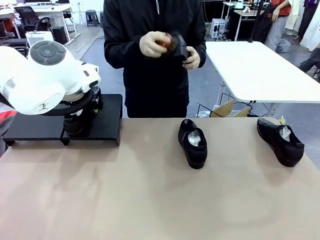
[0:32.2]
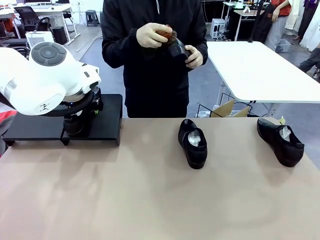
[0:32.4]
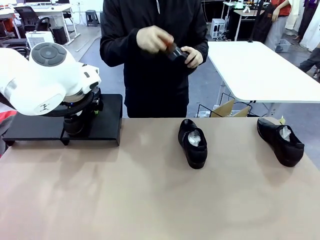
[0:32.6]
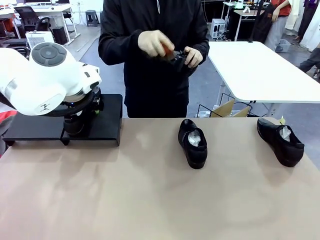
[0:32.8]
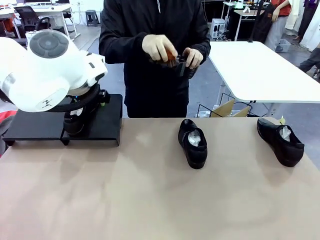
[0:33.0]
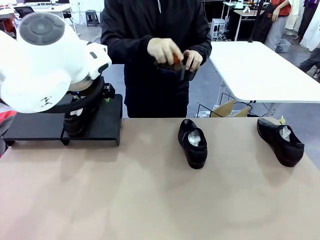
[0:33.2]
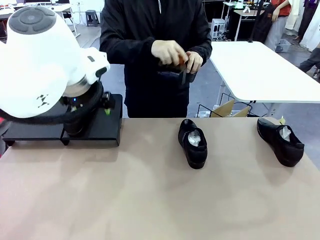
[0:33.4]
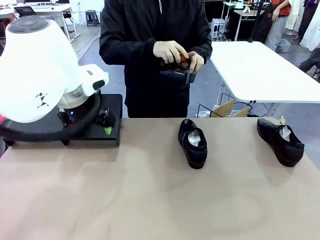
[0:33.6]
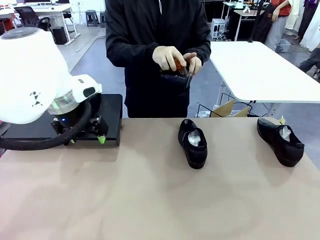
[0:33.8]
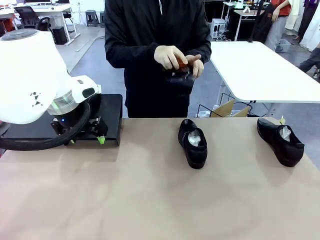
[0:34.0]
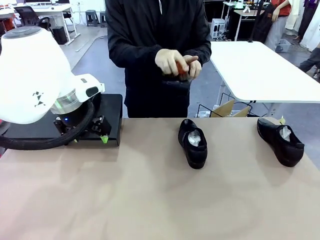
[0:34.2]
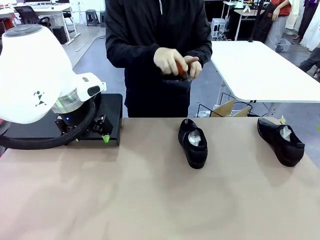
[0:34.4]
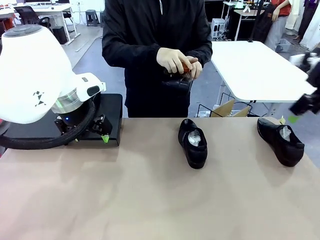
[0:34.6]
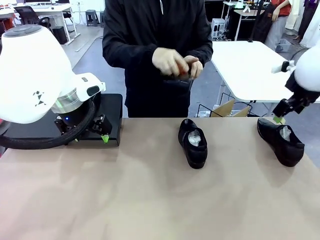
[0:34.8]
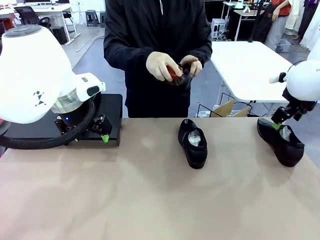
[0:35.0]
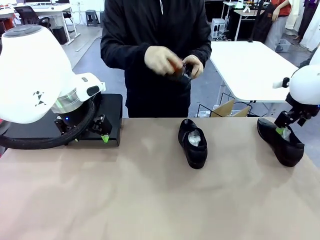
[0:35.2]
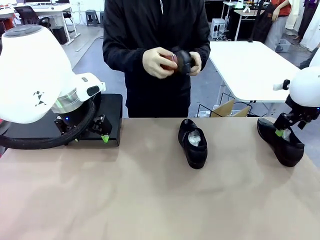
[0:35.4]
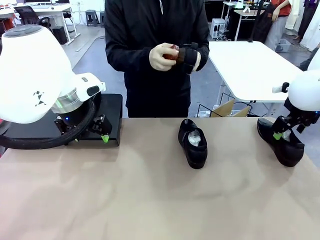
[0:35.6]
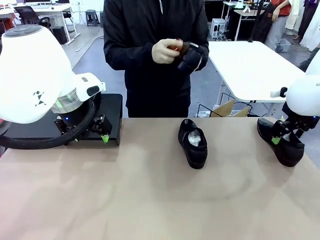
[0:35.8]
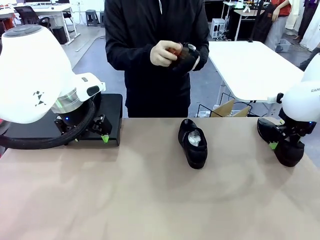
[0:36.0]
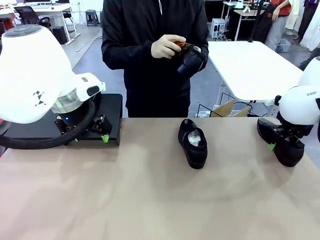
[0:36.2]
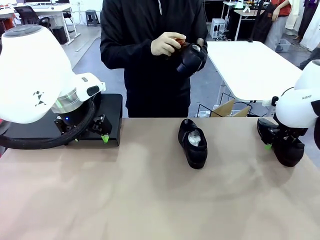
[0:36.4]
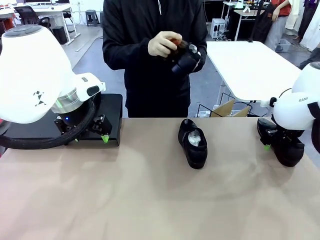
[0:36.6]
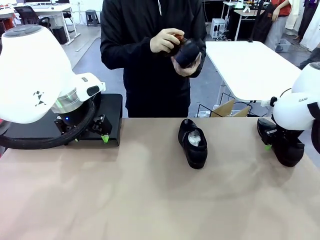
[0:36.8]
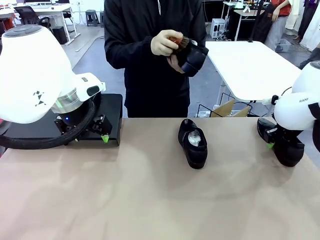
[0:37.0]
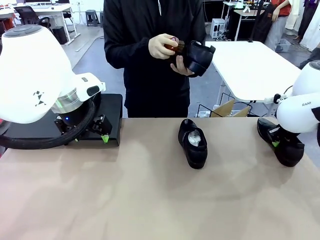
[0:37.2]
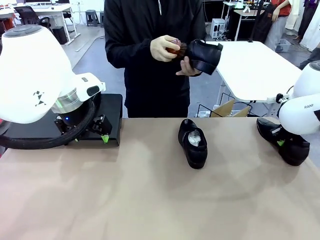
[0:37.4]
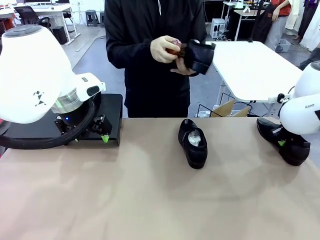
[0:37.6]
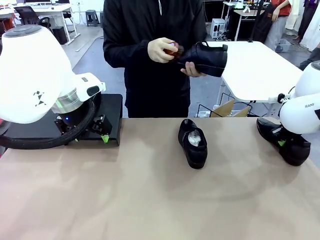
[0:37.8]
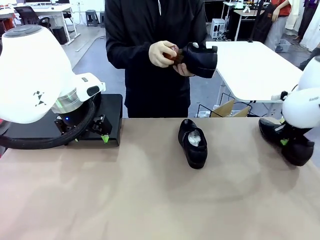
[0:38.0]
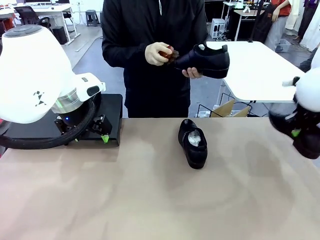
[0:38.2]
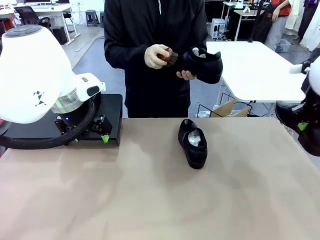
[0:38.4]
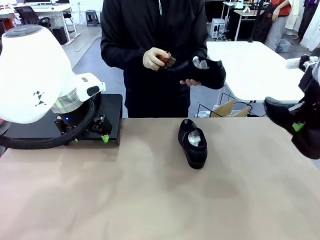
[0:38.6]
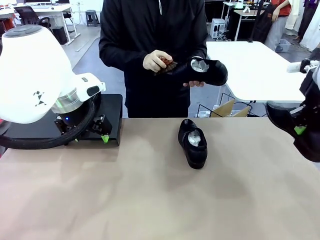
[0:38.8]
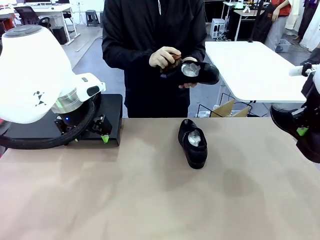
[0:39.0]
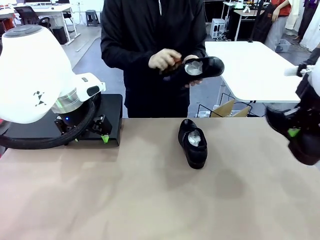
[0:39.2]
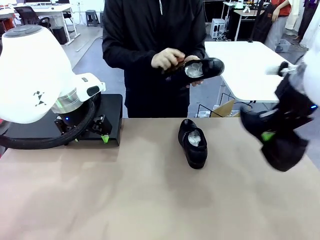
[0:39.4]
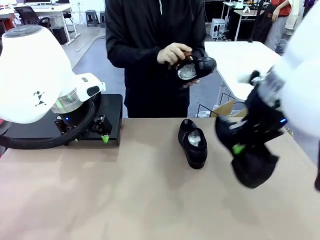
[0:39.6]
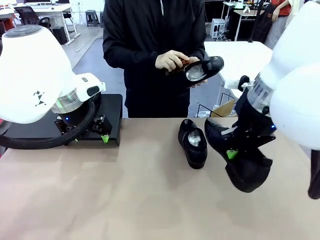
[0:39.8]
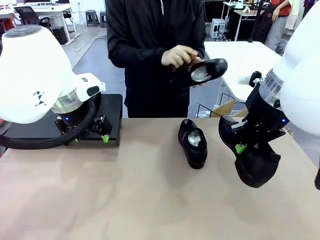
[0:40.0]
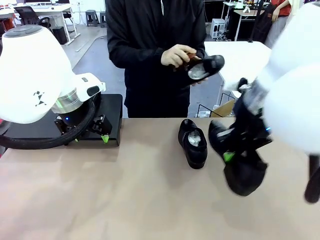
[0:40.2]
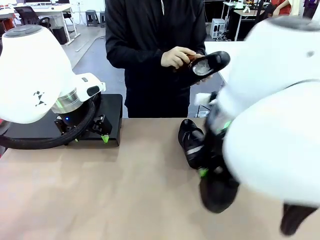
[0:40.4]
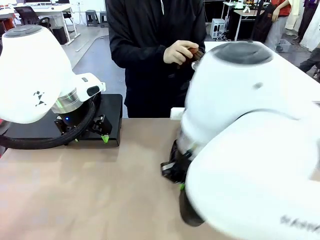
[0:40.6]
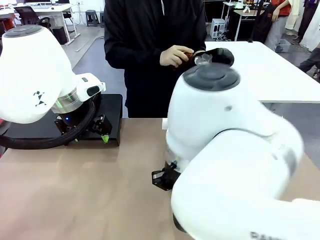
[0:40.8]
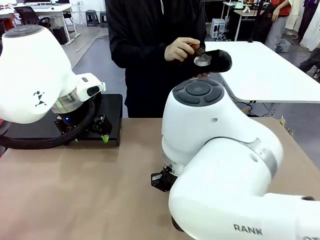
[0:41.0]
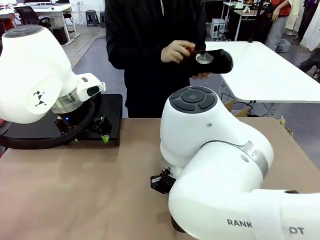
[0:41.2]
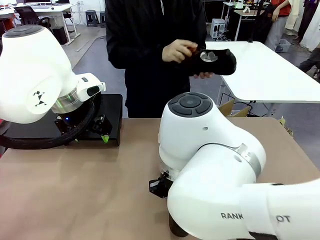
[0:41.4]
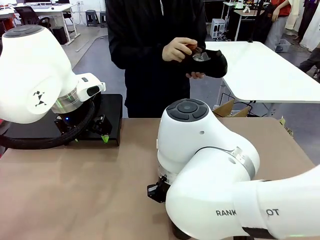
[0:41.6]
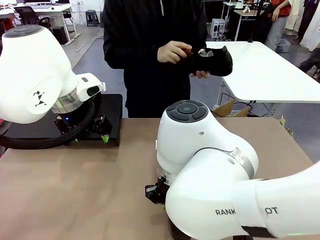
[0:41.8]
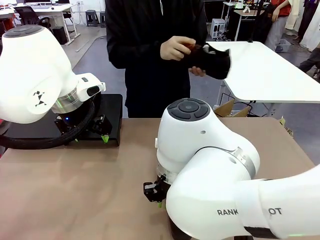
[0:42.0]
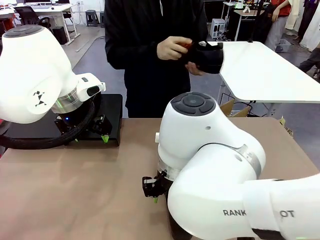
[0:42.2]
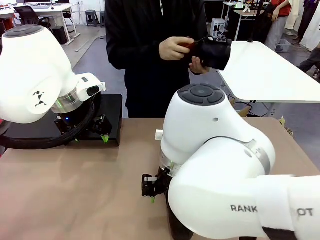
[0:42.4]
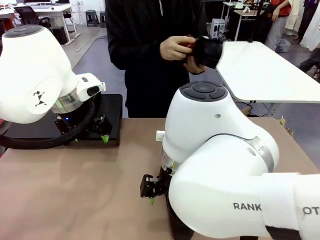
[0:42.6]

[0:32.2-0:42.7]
Task: Organize the shoes by placing them on the stand.
Robot: Pick up one Shoe and place it in the middle of the table.
Person: Clean the Shoe with the Shoe Brush.

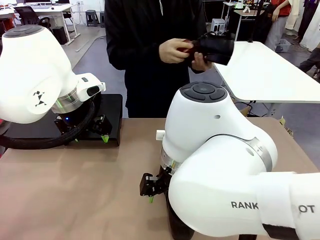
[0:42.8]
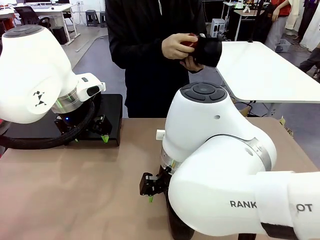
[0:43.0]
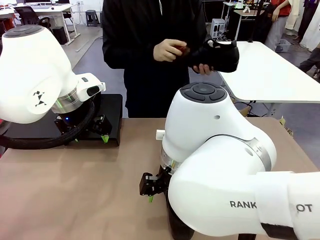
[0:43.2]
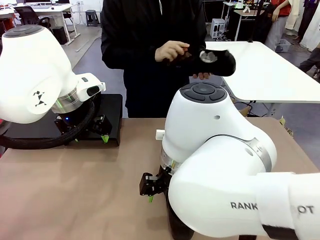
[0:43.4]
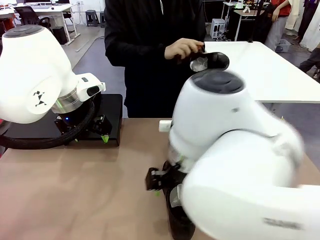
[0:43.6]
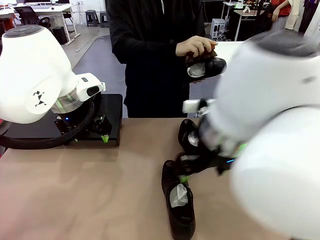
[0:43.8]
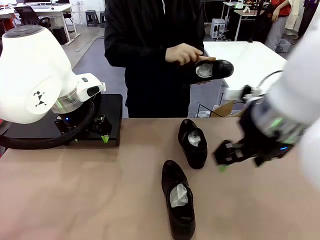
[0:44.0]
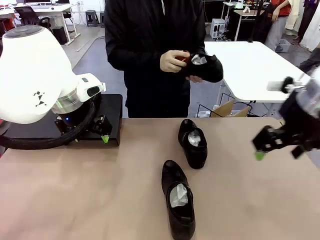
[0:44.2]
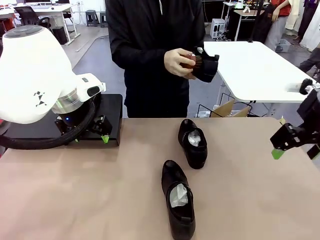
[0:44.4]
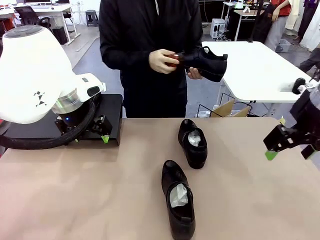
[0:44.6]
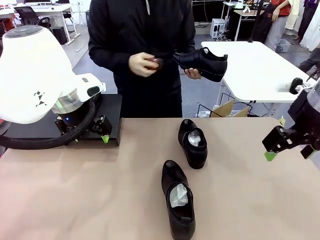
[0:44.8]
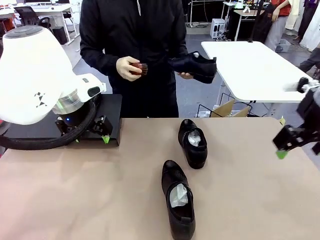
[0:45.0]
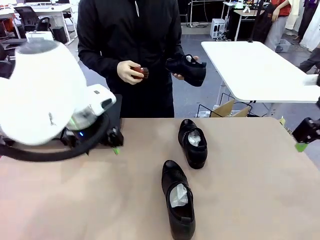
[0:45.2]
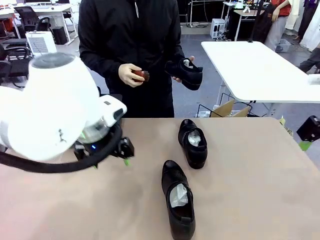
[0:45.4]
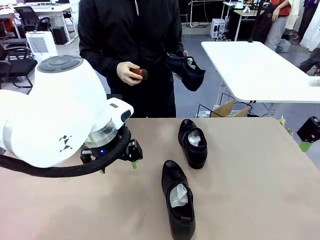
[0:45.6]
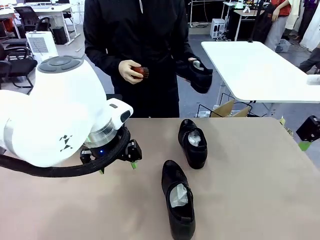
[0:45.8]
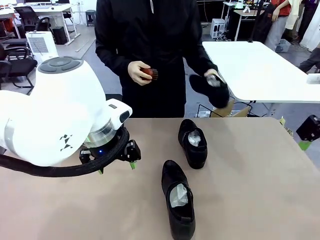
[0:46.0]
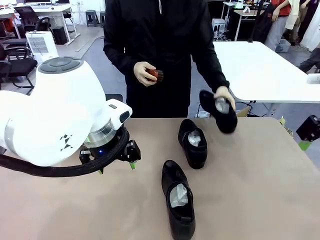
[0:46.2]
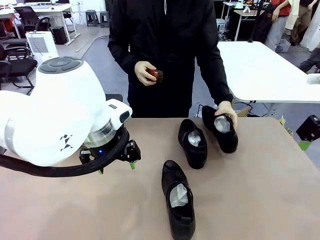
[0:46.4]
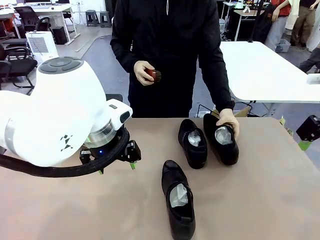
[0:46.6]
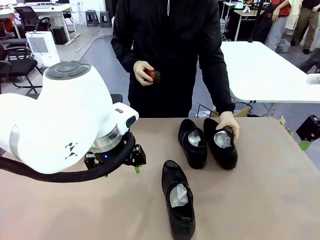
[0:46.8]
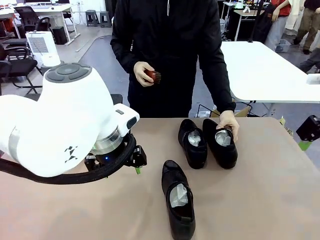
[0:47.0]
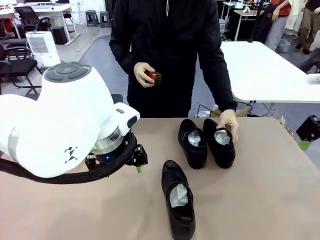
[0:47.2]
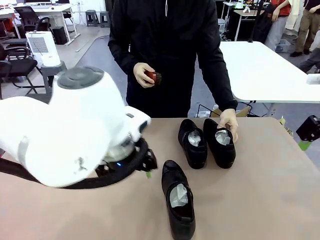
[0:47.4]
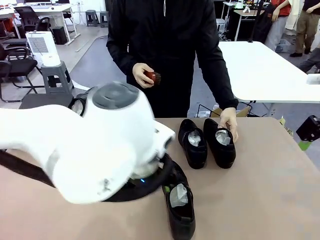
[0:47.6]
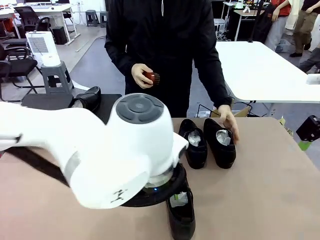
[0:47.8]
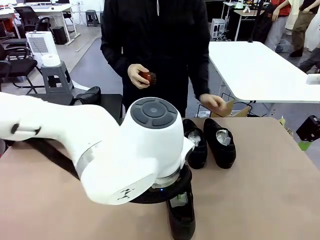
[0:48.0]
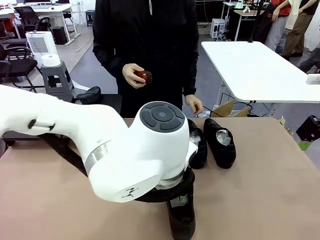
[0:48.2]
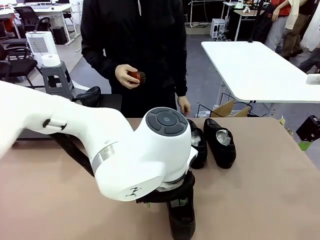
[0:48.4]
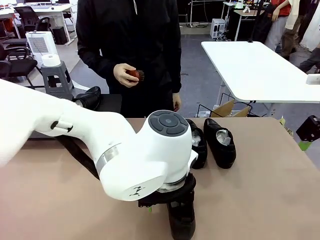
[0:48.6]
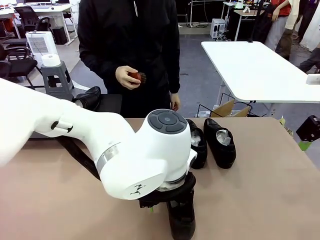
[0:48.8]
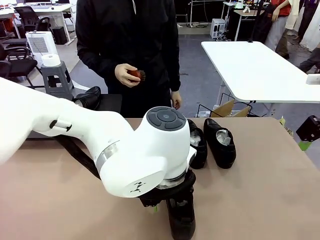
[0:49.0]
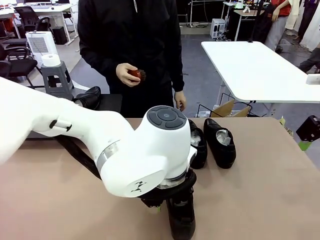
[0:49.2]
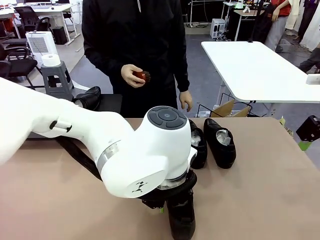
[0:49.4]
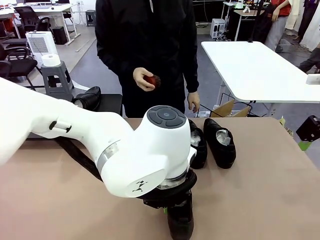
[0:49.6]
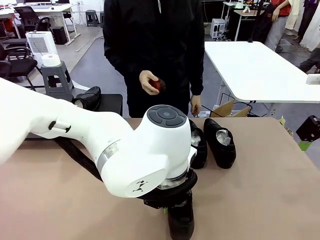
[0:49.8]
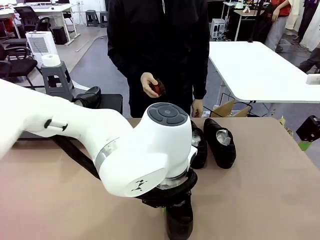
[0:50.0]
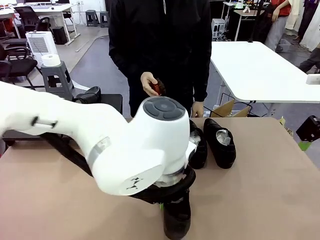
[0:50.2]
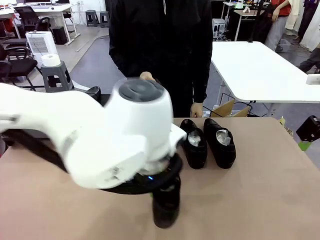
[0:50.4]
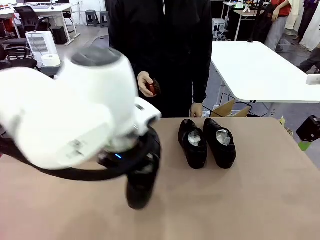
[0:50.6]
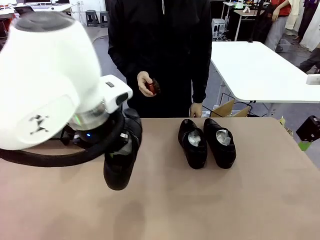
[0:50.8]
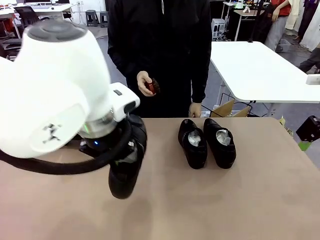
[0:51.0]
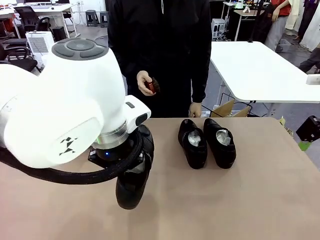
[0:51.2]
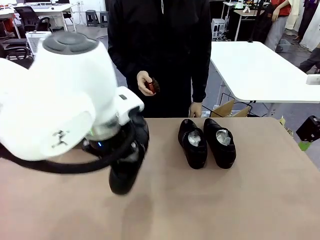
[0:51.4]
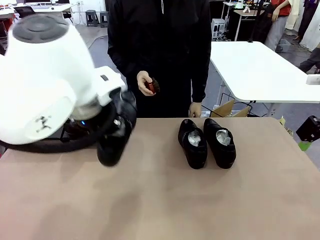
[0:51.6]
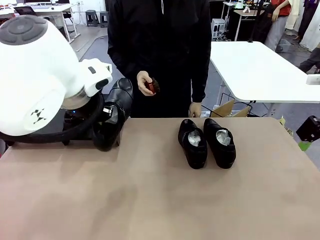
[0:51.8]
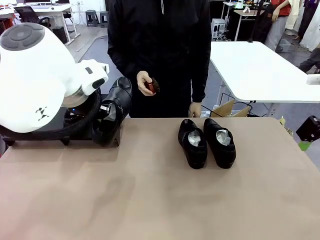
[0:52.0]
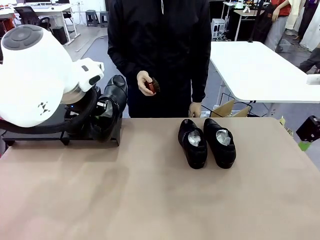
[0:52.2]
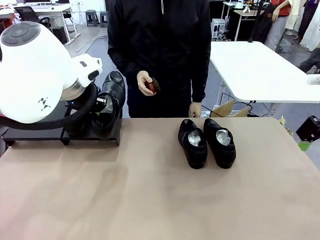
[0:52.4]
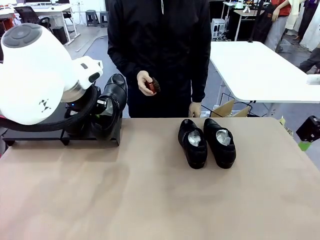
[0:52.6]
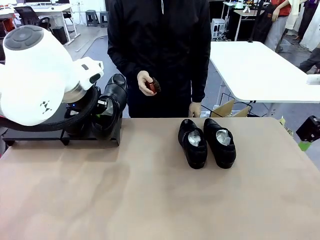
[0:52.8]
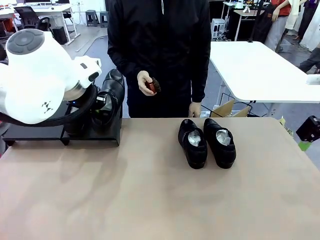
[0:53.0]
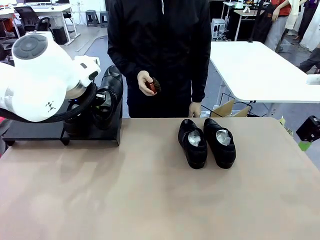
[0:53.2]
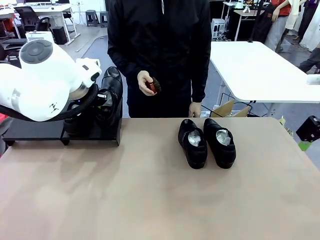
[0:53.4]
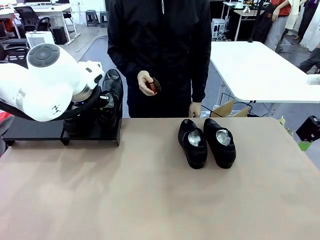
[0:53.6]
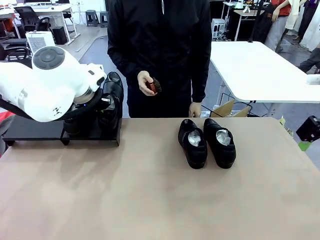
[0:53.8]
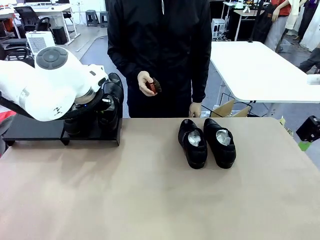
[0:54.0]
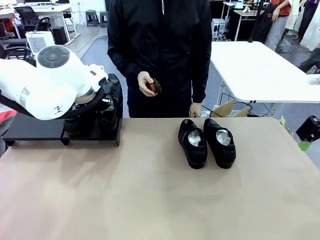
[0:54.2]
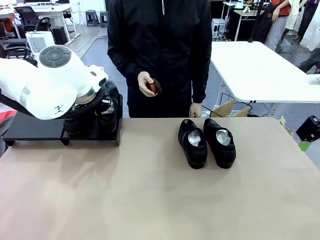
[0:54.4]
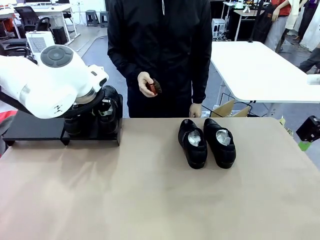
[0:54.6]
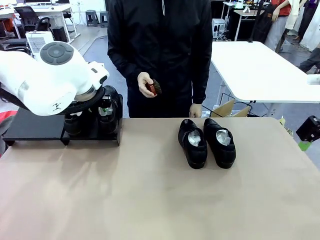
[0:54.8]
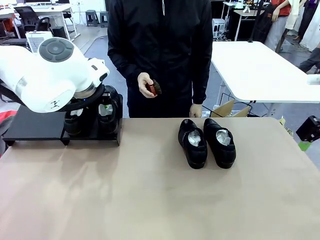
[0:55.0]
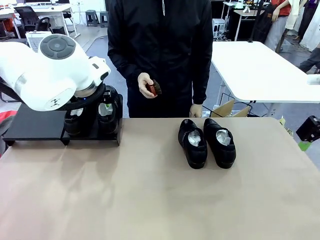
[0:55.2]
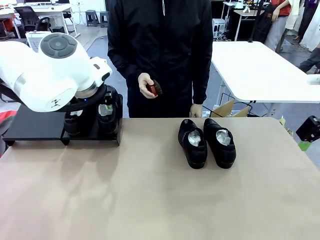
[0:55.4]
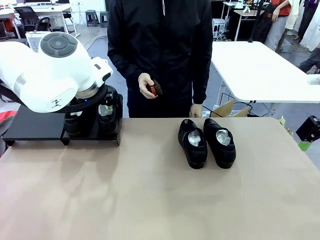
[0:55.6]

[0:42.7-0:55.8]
Robot: Place the Shoe from the middle of the table onto the Shoes Stand.
